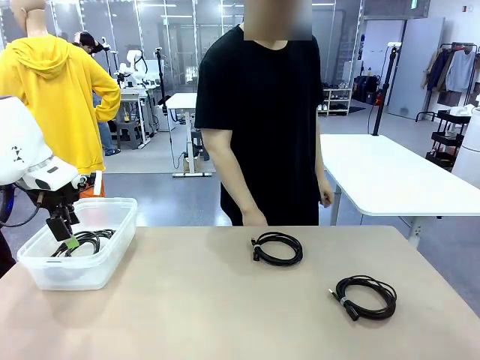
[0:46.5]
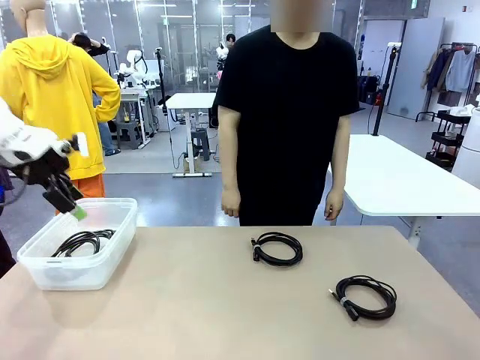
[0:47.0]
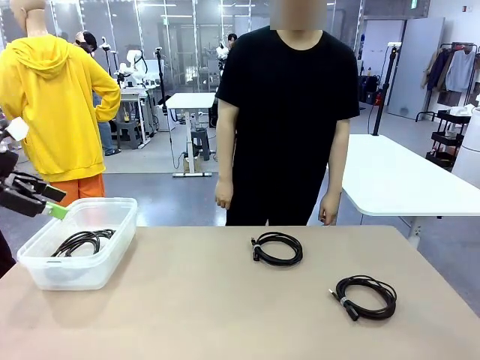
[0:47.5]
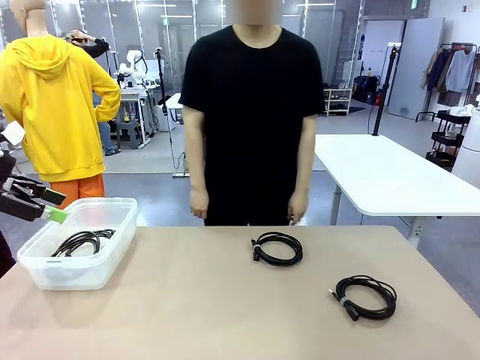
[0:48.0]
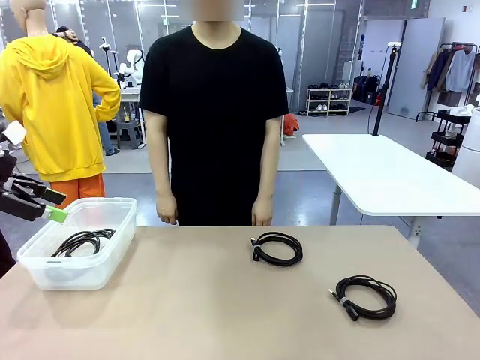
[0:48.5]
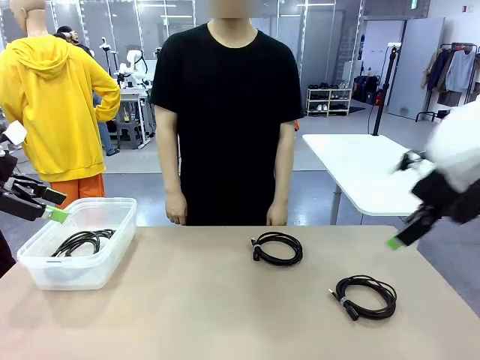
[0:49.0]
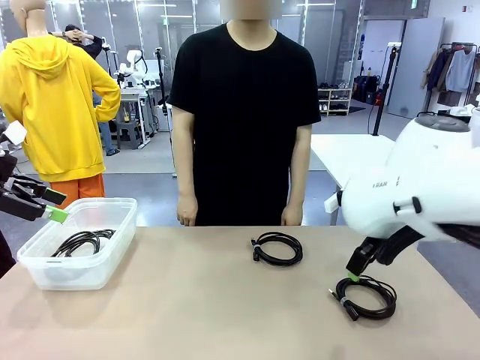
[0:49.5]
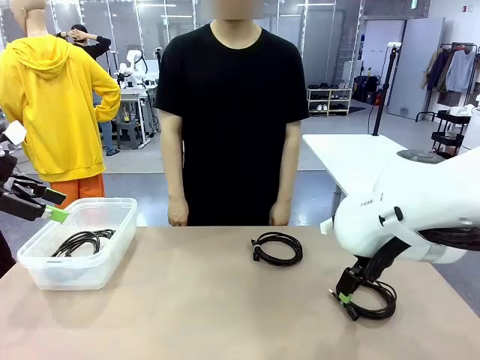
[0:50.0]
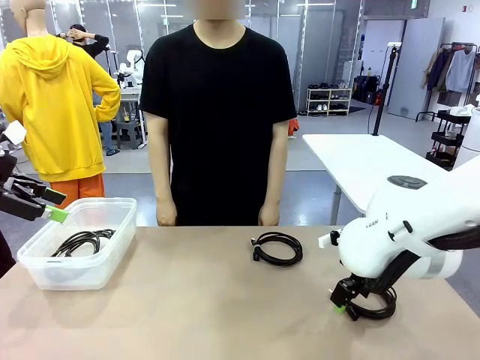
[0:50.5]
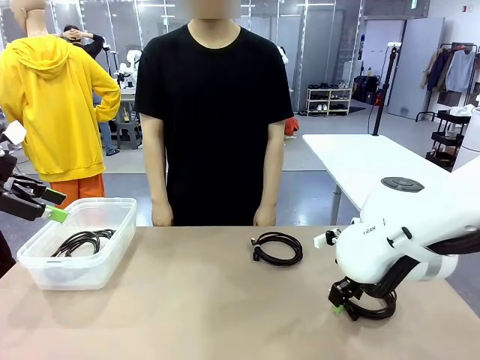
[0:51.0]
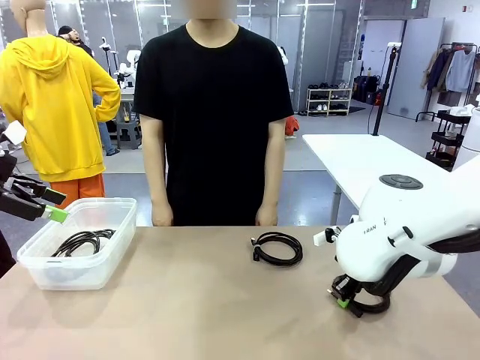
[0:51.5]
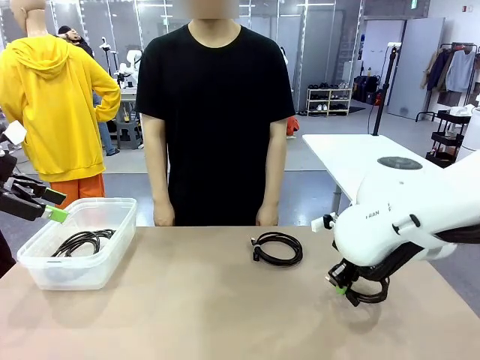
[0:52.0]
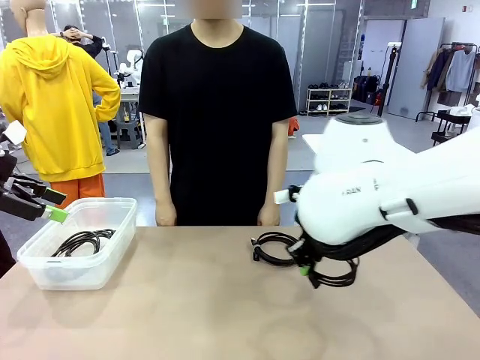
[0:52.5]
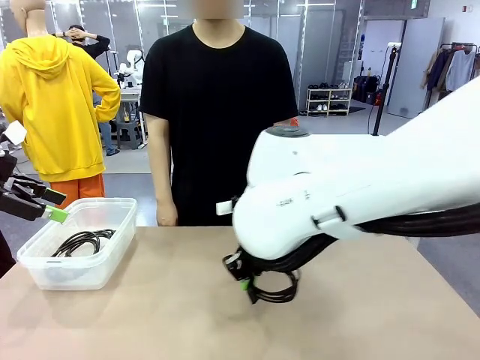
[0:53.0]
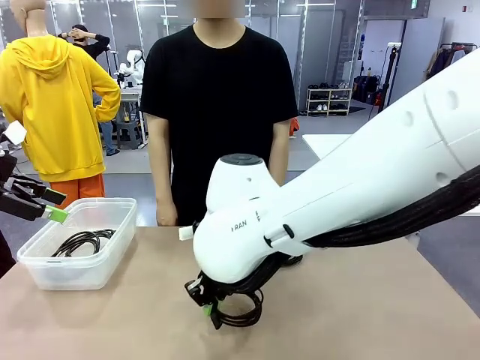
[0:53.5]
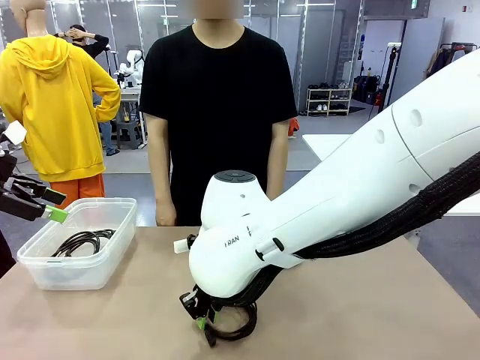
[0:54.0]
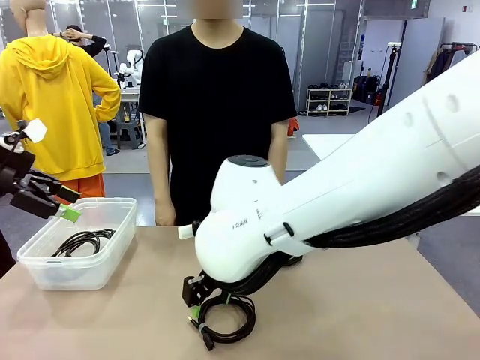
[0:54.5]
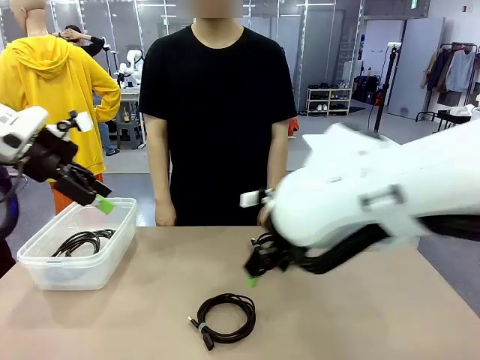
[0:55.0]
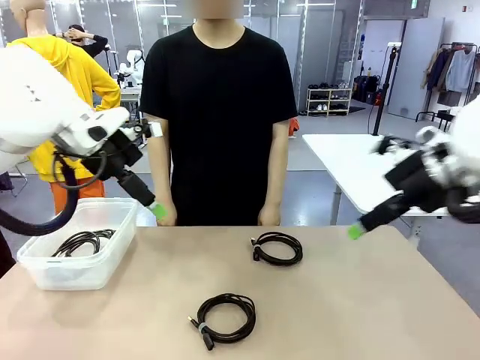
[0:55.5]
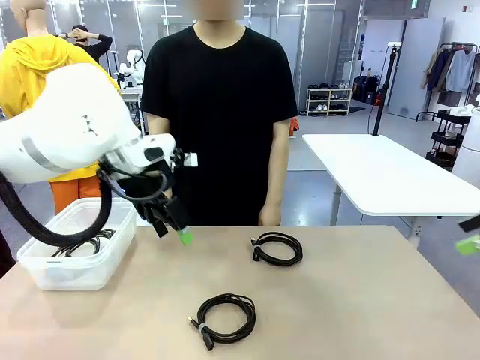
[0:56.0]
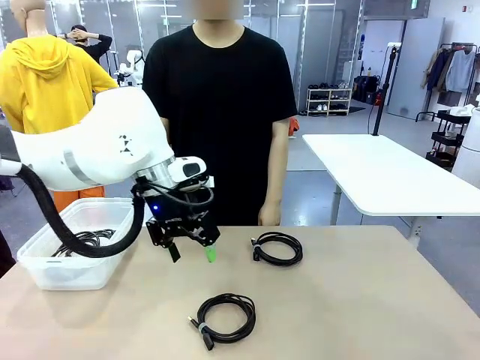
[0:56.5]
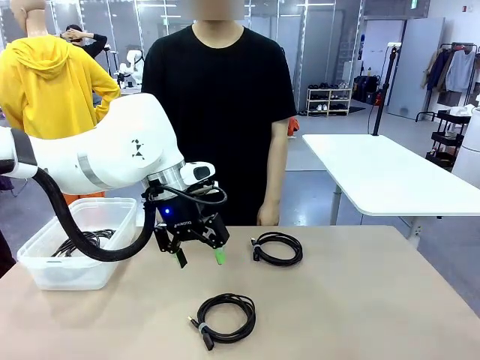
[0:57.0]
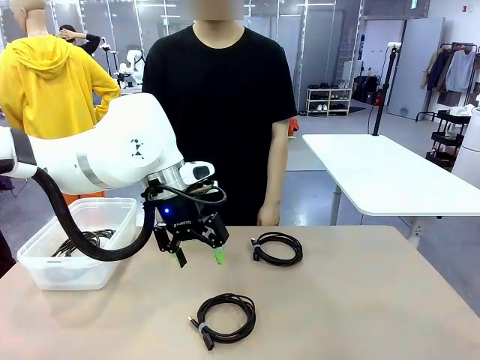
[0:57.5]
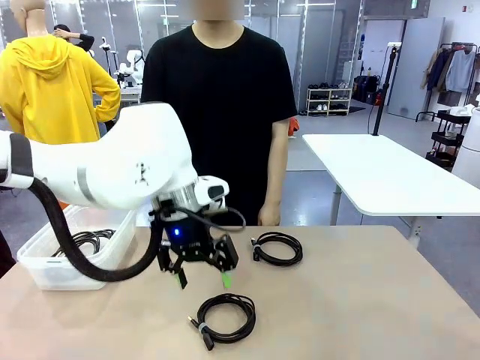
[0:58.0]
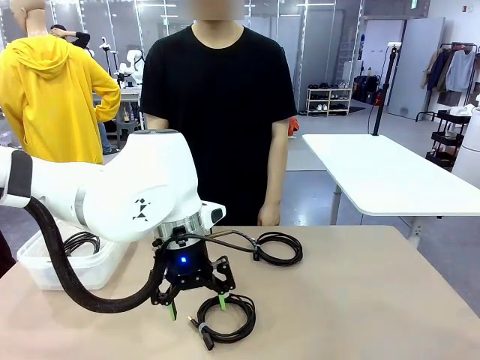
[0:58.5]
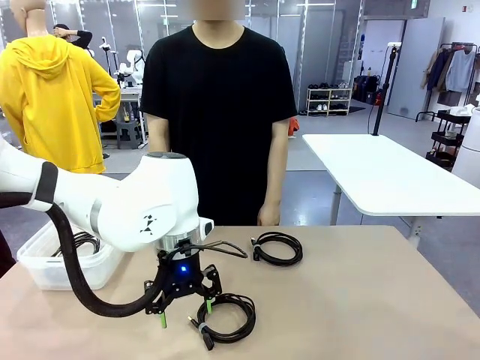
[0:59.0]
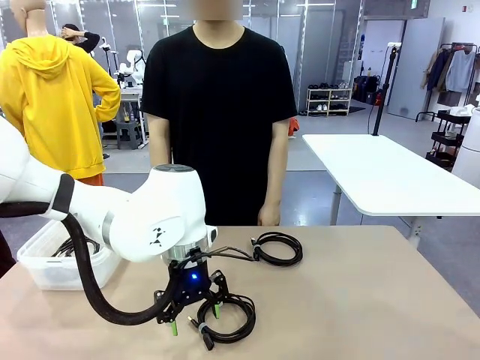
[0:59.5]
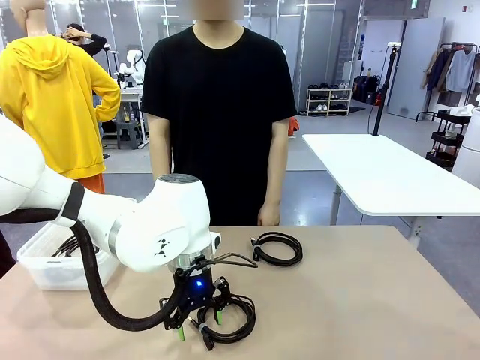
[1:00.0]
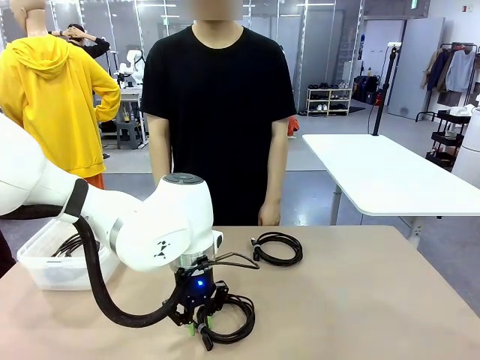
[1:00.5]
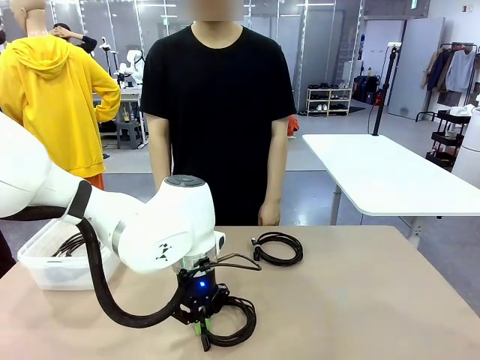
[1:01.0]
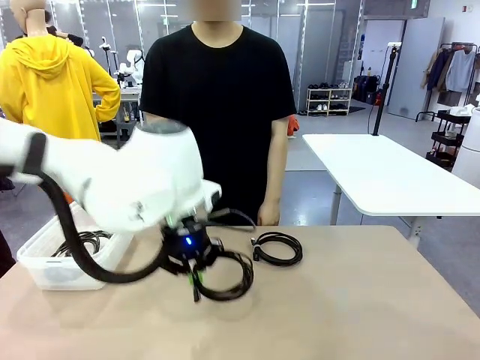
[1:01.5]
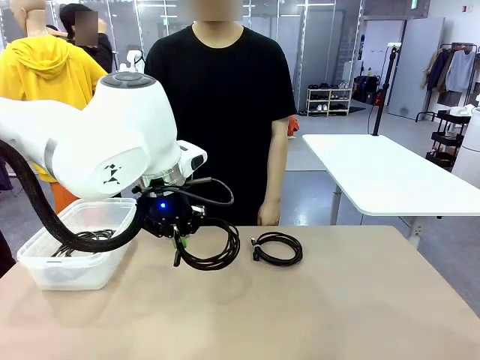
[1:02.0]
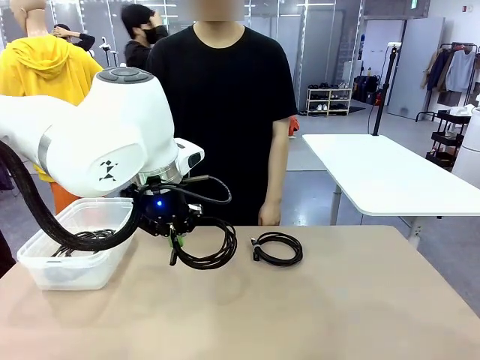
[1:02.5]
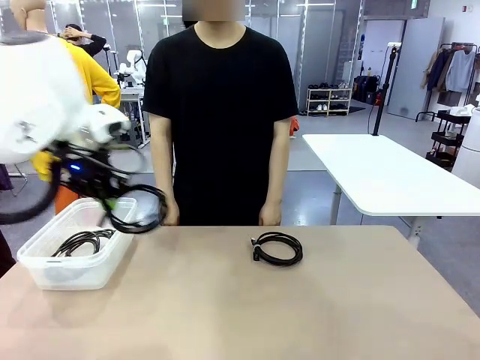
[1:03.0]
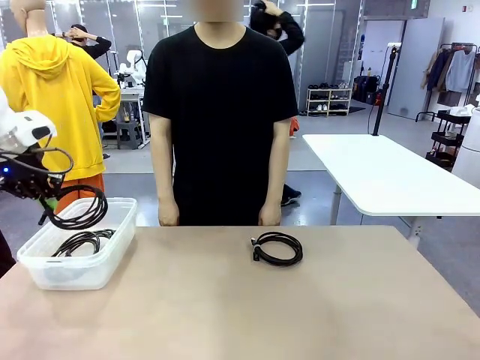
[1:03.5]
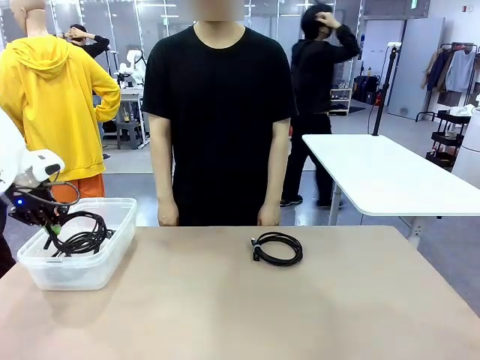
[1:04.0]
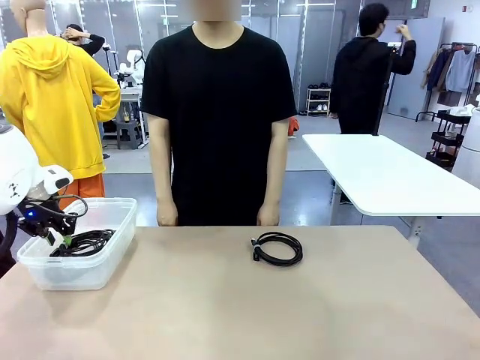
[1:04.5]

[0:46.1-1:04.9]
Task: Organize and store the cables.
Robot: Place the USB Extension Cable into the Organizing box.

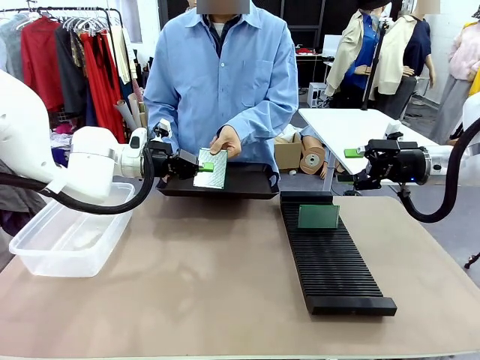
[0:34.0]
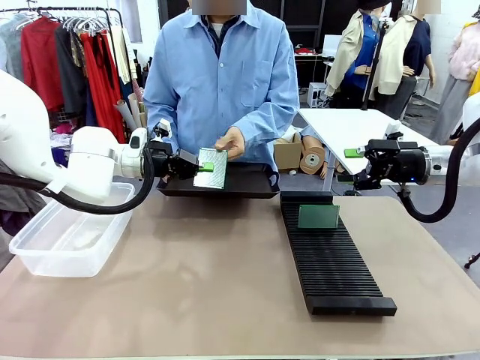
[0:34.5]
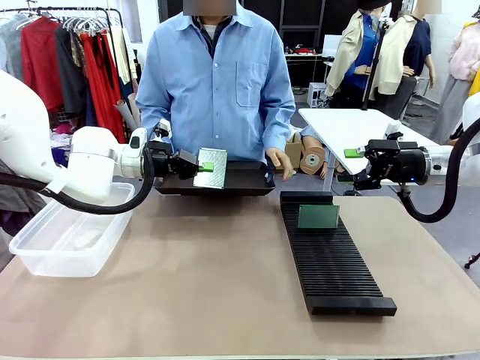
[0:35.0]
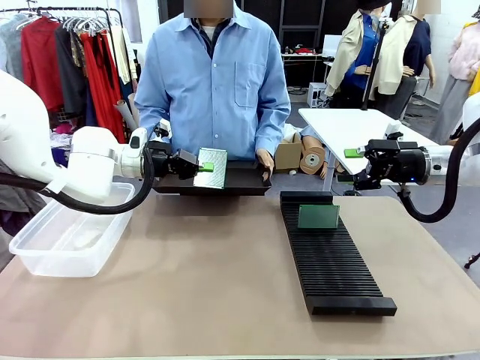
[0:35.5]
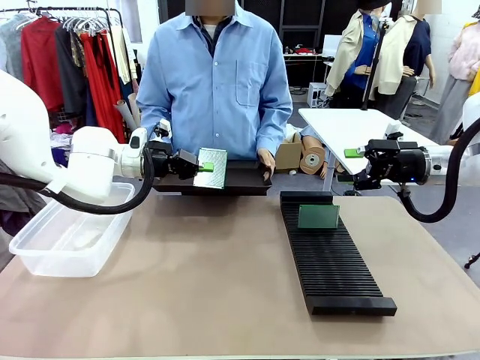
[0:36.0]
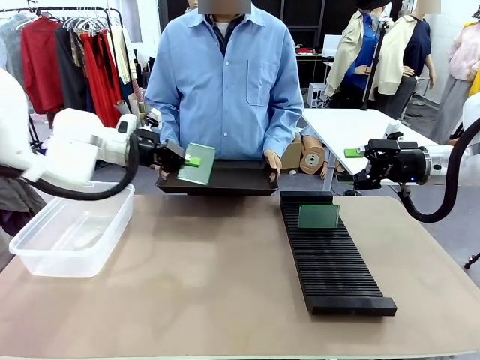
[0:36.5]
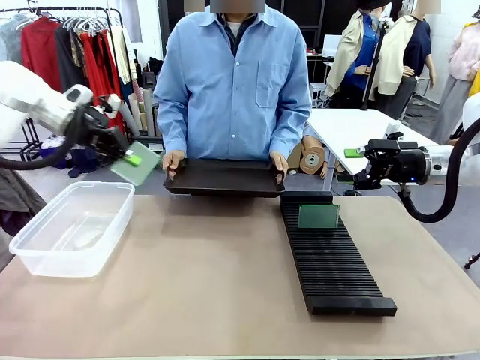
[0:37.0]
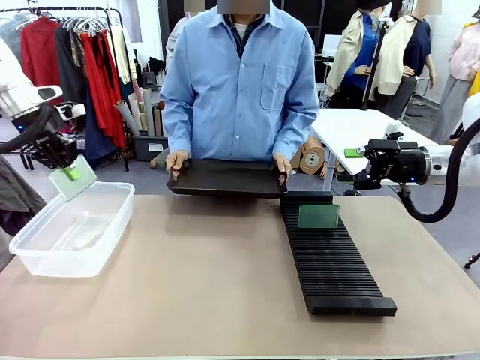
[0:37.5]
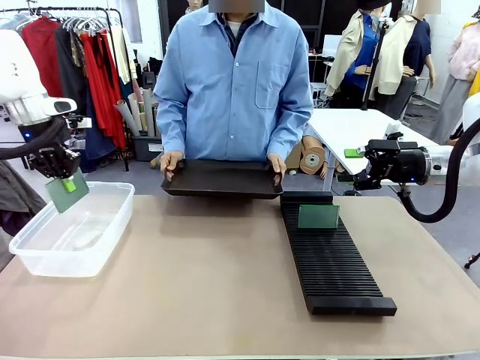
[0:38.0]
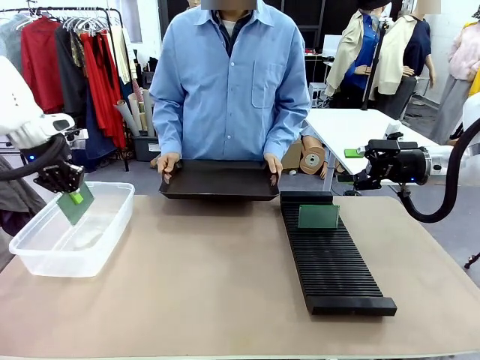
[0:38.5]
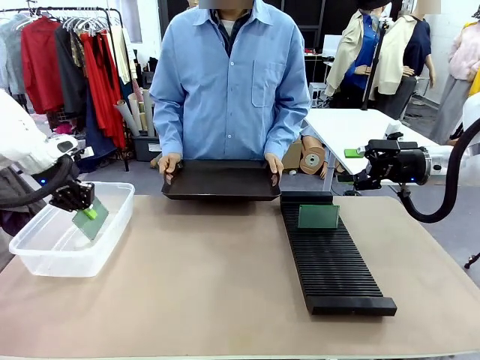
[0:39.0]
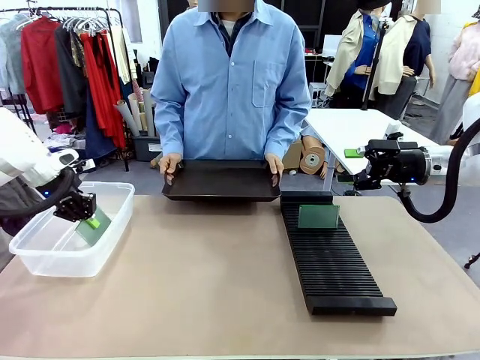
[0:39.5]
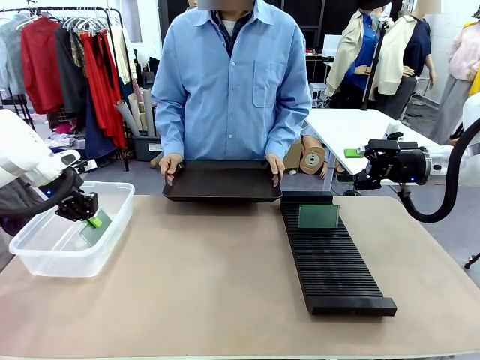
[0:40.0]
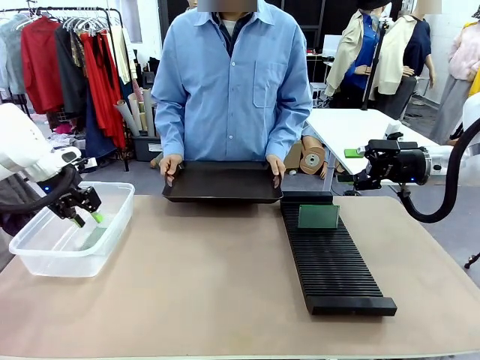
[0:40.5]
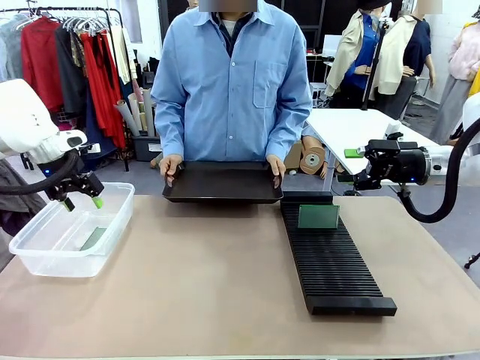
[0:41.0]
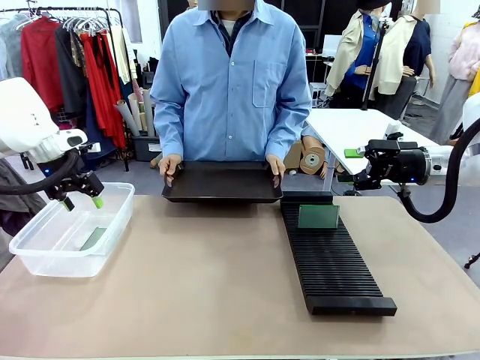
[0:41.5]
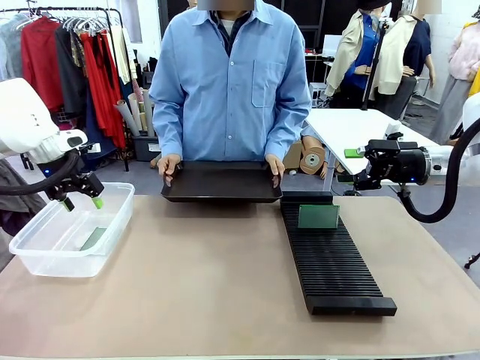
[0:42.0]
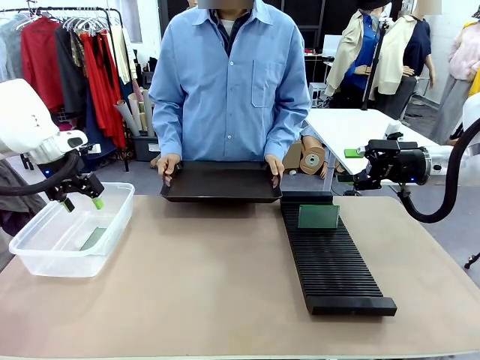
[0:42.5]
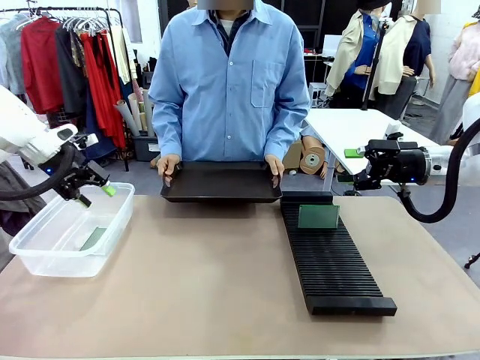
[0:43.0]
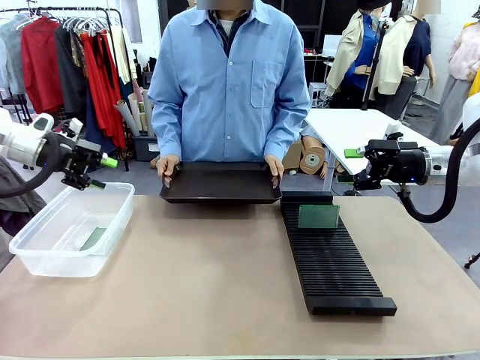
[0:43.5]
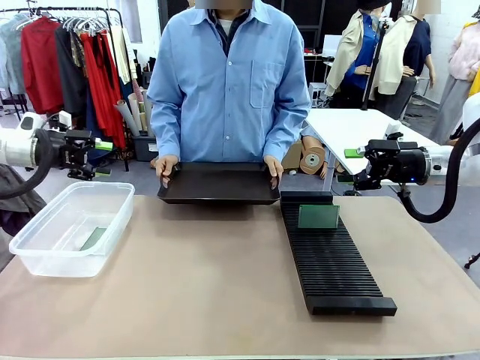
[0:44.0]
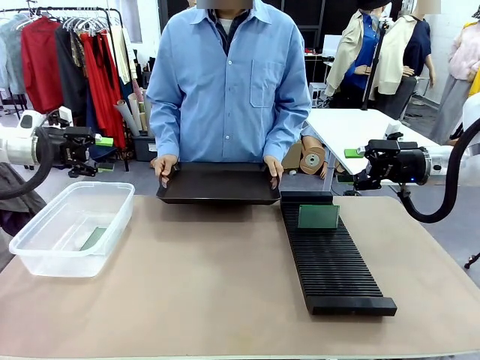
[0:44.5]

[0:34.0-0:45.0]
Task: Sort PCBs into racks and boxes based on the side picked up.
Robot: If the short side of the Blank PCB is picked up, insert it into the PCB Rack ; if the long side is picked up, place it in the Organizing box.
Person: Release the PCB being held.
